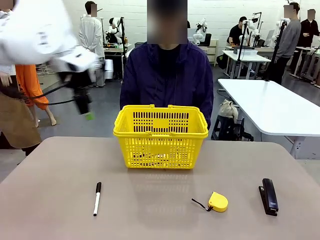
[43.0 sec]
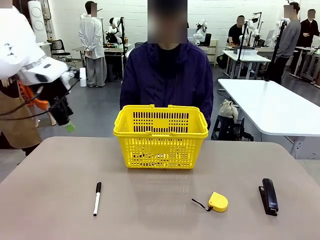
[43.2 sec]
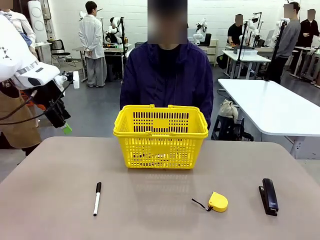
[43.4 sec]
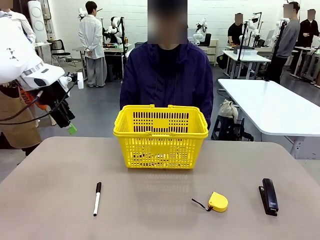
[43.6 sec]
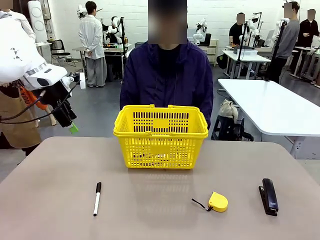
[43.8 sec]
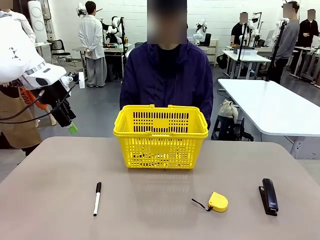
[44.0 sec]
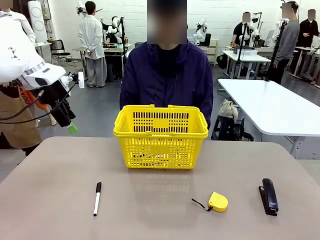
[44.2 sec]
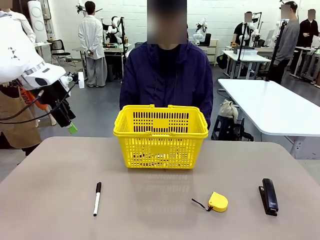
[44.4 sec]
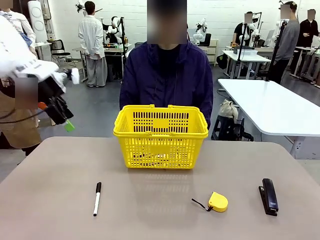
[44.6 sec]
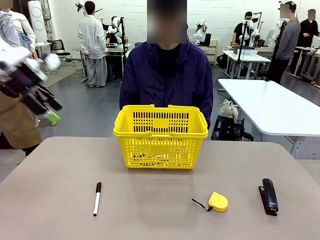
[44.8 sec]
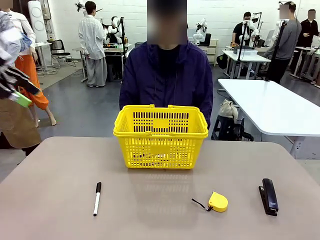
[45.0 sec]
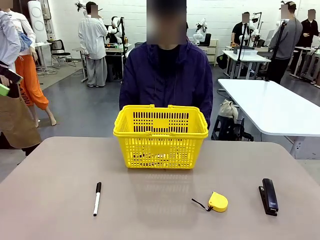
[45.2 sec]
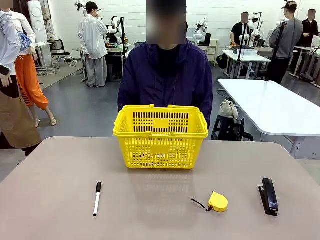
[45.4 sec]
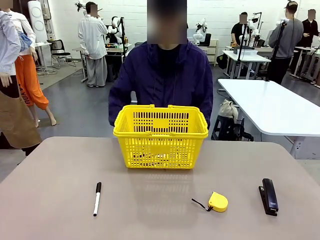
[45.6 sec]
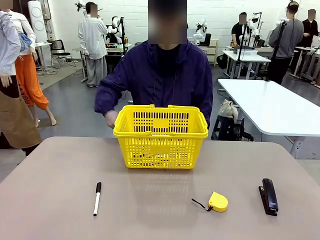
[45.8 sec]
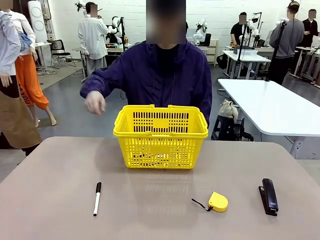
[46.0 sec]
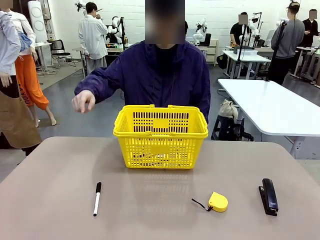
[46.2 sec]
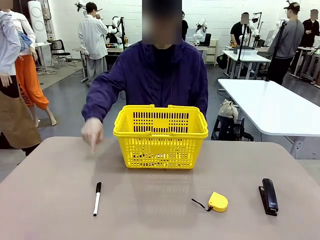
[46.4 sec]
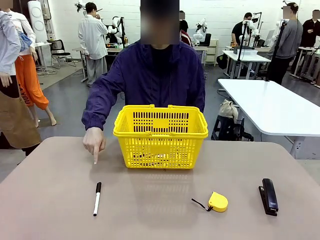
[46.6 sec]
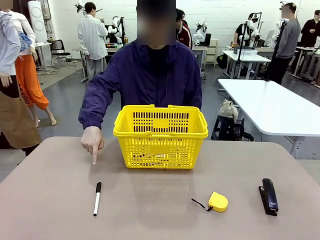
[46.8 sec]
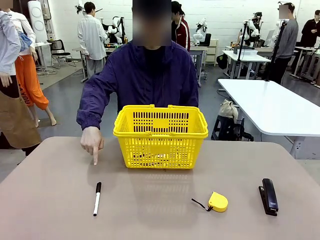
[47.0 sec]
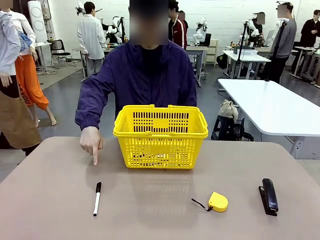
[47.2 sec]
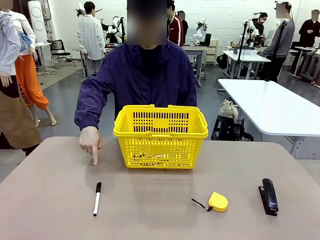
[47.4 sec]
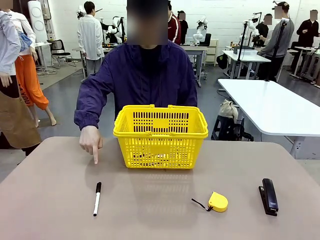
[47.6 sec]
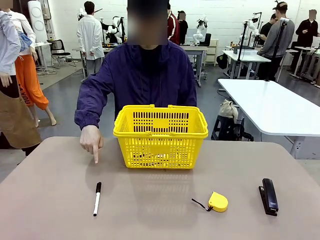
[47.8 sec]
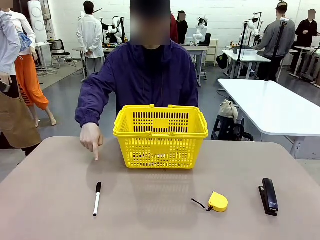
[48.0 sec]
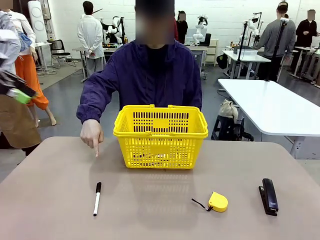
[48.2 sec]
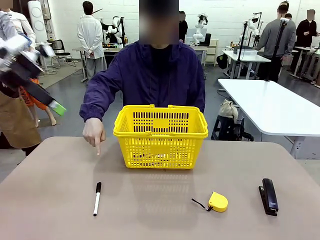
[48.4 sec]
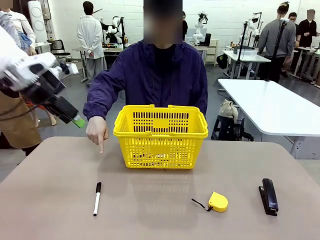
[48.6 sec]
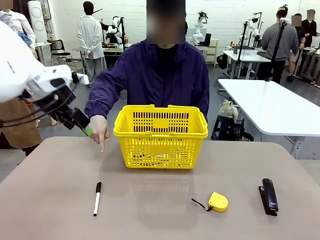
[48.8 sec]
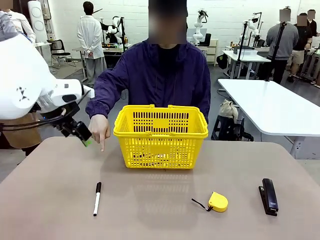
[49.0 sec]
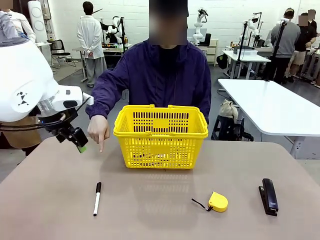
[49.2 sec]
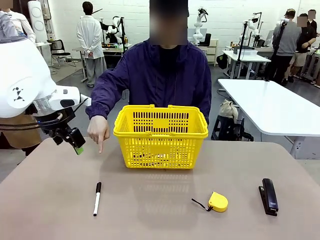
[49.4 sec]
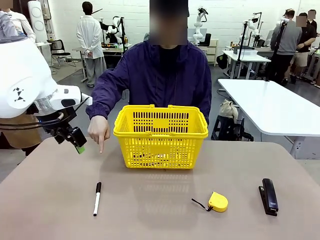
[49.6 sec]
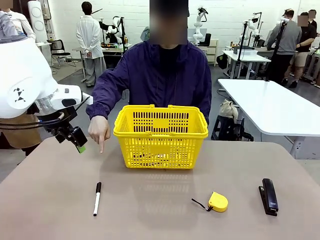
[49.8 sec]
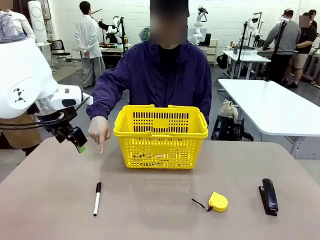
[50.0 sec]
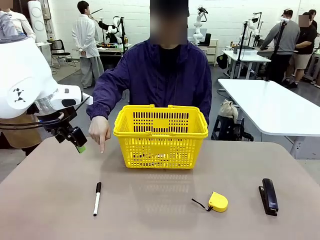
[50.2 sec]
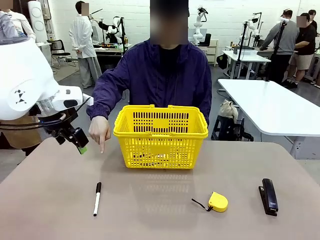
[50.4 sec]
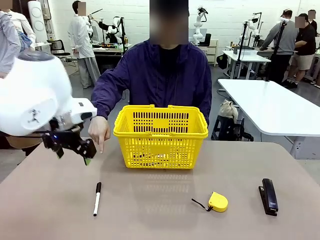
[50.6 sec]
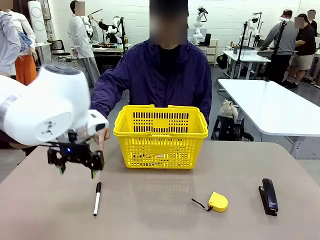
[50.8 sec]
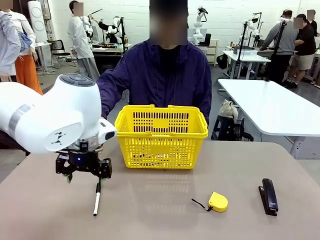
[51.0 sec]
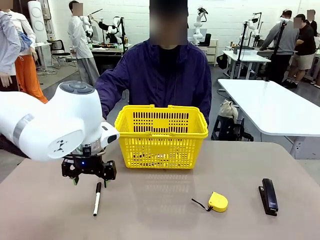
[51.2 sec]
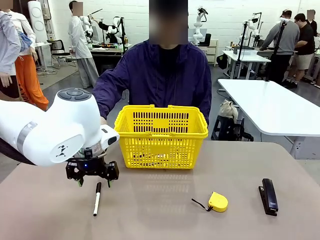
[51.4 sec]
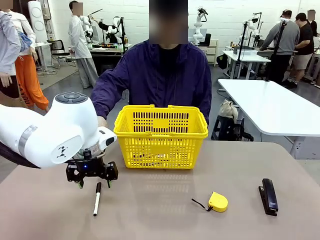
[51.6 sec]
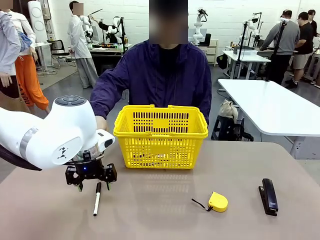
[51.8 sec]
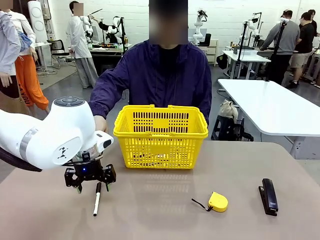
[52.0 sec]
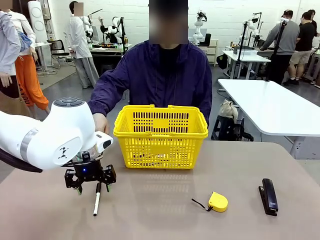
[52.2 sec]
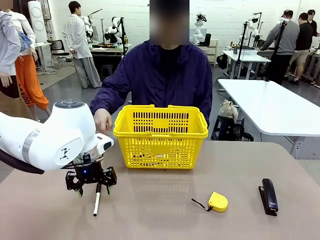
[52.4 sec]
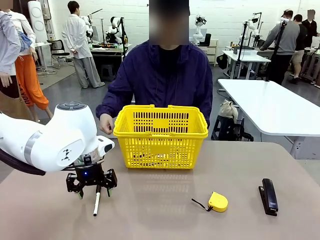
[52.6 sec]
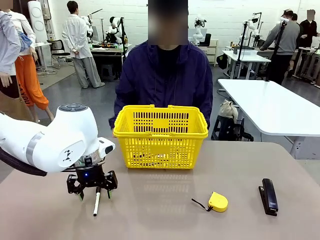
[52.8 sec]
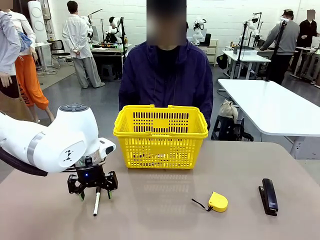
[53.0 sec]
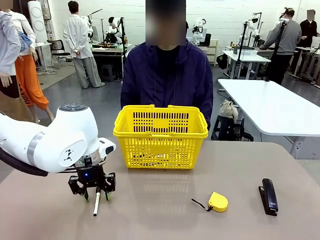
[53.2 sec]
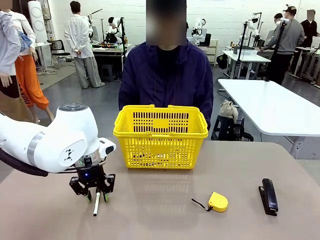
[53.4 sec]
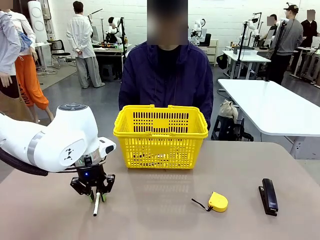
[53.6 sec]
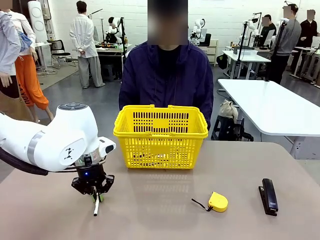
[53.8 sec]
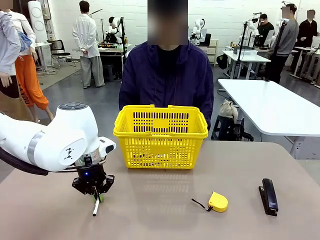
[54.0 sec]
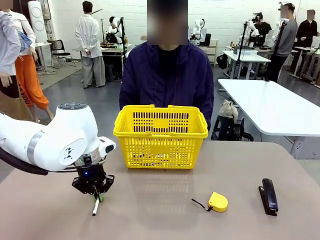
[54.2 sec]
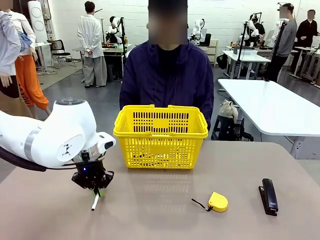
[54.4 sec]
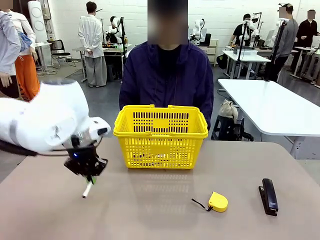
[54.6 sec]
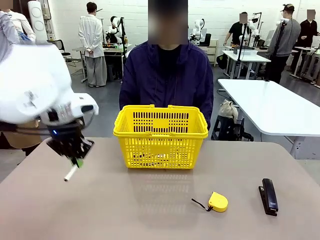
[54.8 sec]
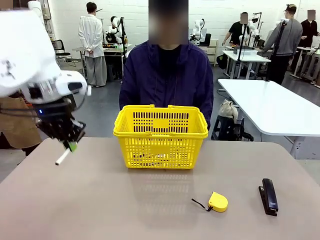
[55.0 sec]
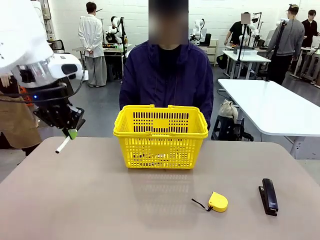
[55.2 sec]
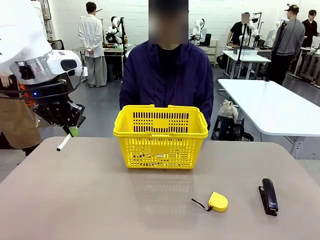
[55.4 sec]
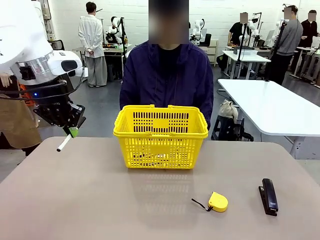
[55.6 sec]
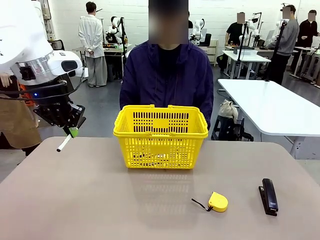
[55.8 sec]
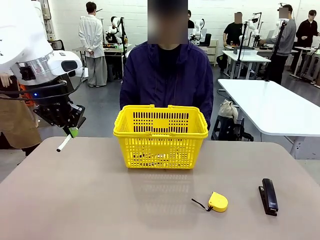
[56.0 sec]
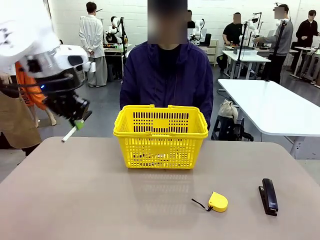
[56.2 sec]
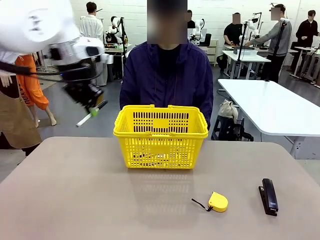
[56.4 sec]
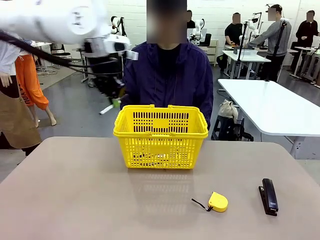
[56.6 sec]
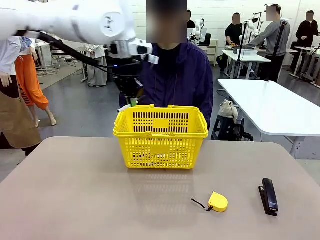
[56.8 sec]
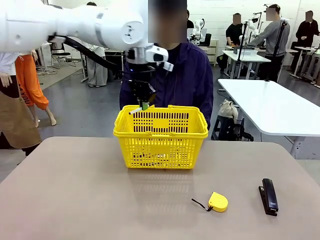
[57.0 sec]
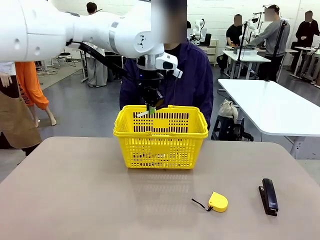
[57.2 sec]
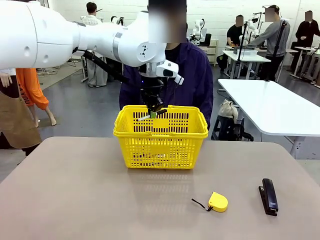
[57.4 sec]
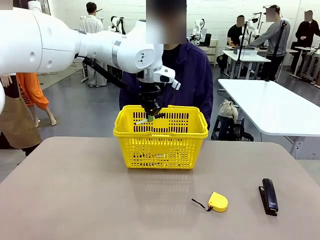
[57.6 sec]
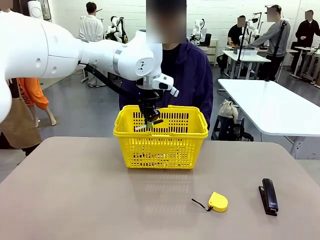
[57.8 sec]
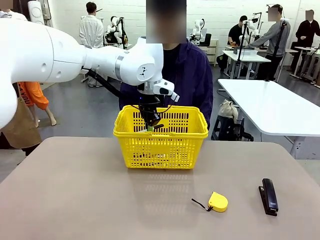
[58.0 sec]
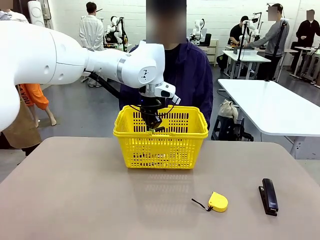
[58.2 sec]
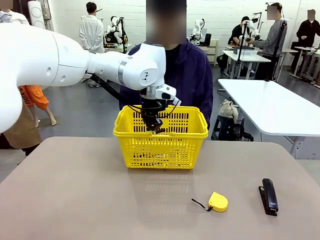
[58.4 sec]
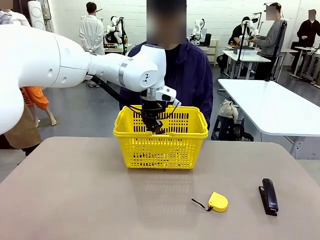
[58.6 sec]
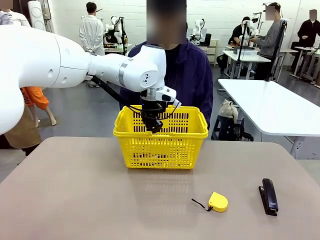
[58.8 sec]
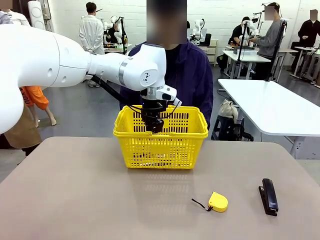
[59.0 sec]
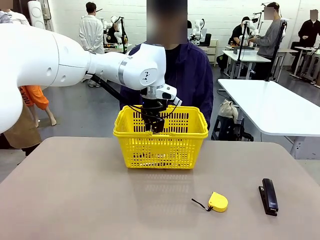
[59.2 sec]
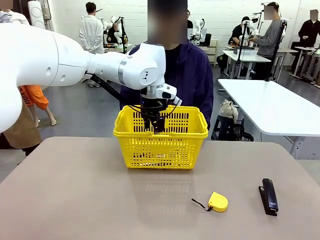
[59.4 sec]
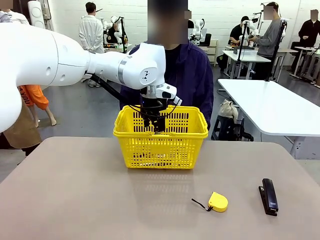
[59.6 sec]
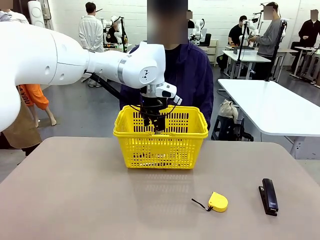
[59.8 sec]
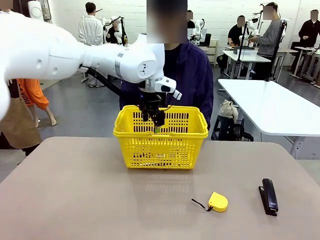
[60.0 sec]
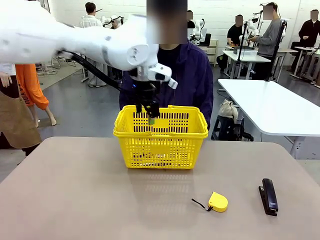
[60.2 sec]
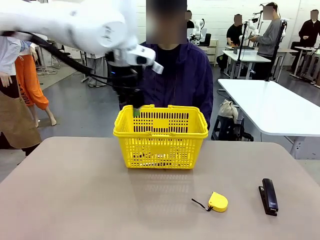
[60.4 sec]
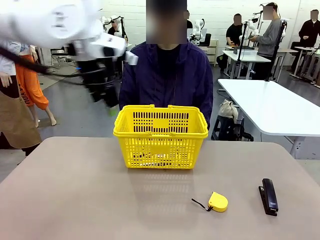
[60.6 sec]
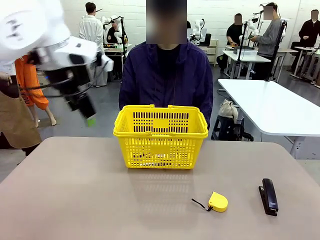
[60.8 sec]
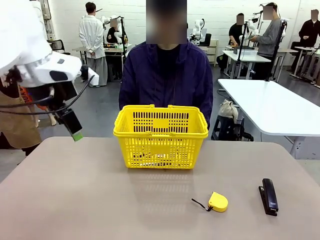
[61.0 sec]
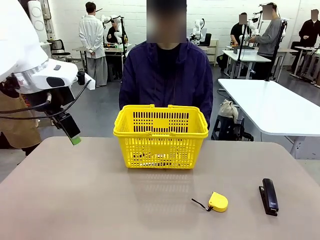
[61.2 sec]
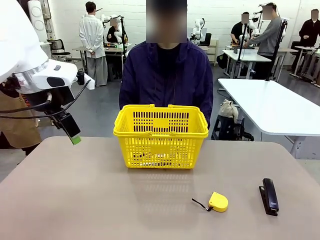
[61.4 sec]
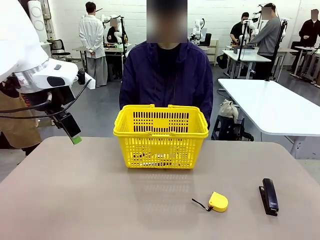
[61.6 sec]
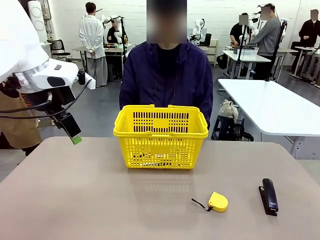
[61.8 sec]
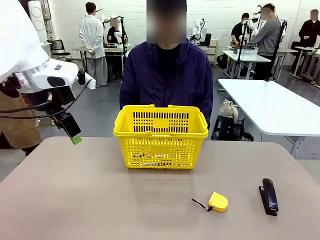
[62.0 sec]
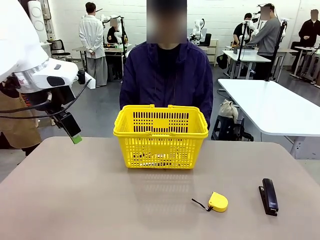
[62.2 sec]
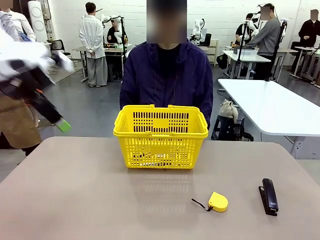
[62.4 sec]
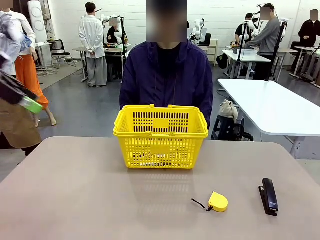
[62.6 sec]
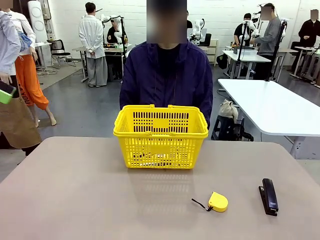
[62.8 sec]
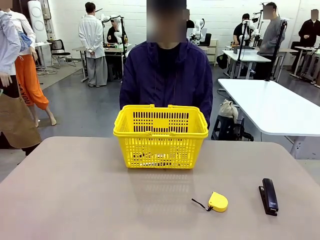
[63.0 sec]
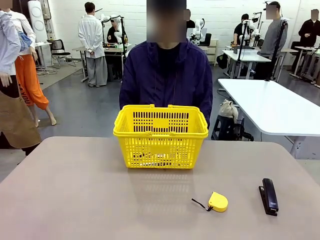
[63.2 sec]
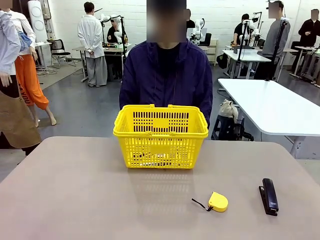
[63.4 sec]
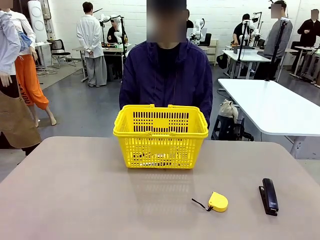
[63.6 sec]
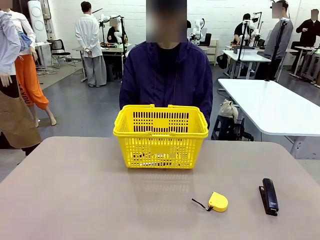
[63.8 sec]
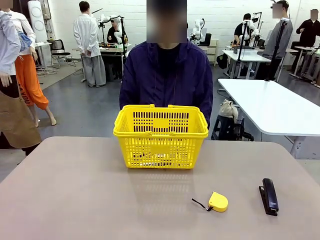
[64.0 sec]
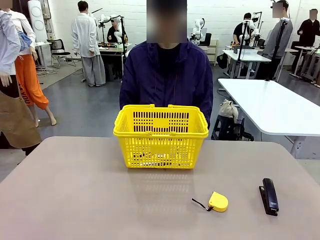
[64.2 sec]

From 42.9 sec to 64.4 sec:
Task: Place the items the person wants into the basket.
Robot: Pick up the item the person points to and place it in the Market Basket.
